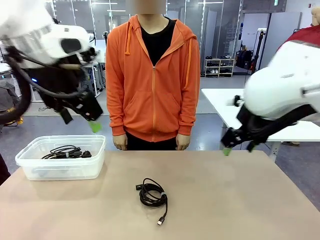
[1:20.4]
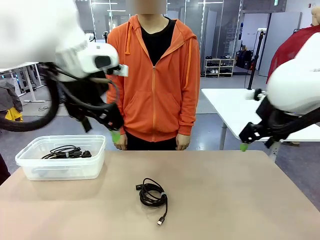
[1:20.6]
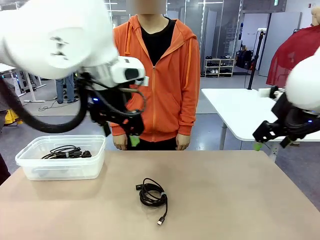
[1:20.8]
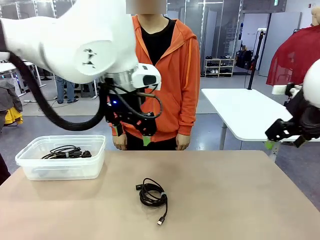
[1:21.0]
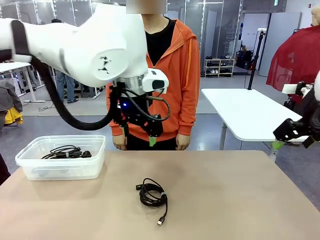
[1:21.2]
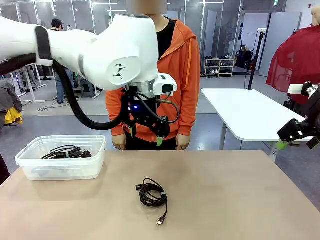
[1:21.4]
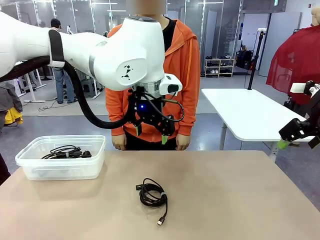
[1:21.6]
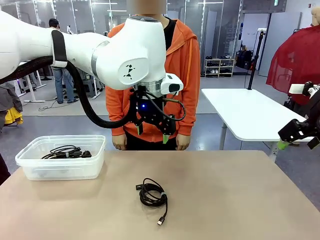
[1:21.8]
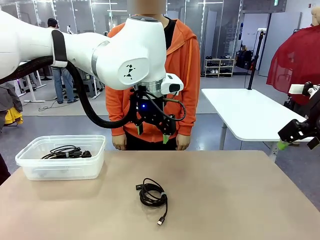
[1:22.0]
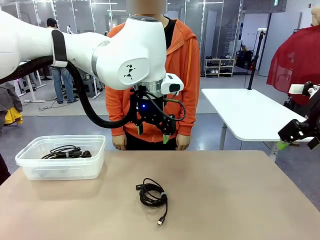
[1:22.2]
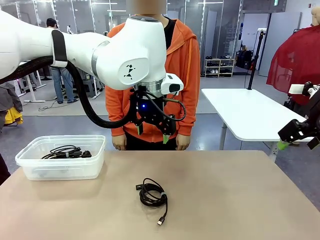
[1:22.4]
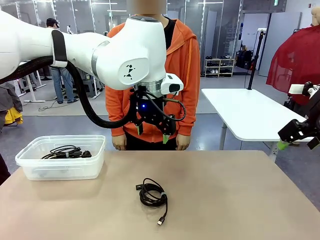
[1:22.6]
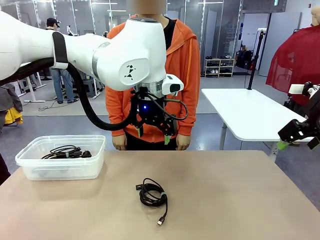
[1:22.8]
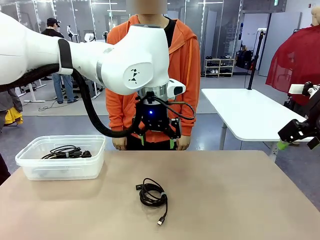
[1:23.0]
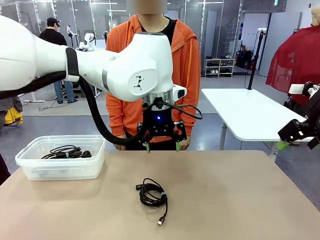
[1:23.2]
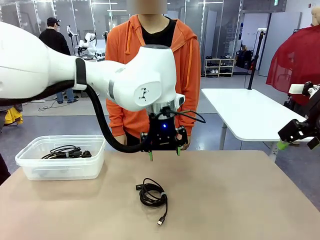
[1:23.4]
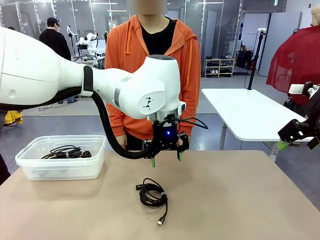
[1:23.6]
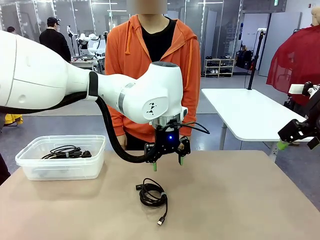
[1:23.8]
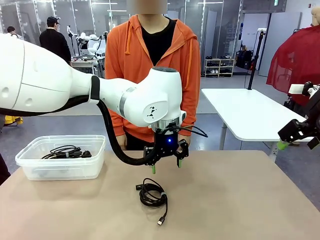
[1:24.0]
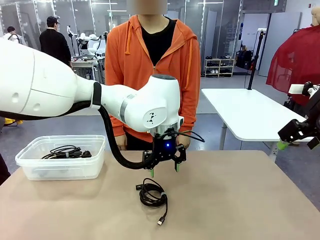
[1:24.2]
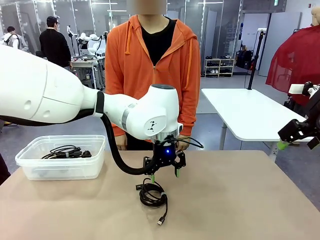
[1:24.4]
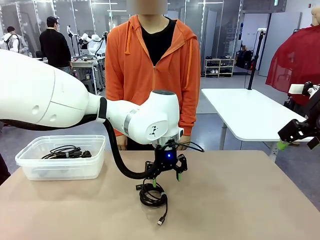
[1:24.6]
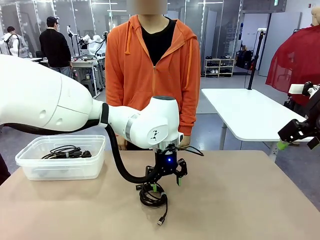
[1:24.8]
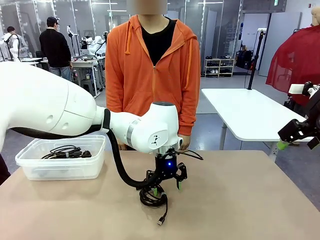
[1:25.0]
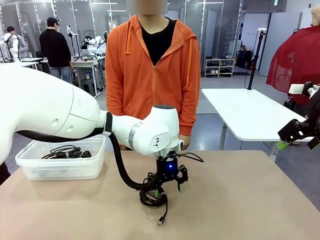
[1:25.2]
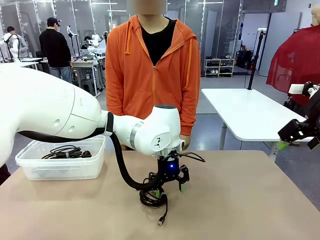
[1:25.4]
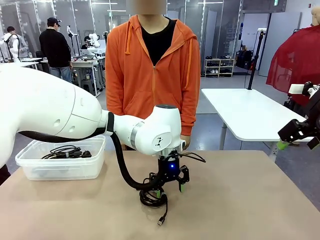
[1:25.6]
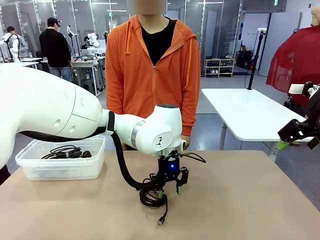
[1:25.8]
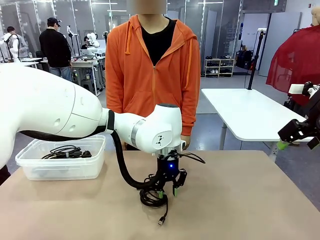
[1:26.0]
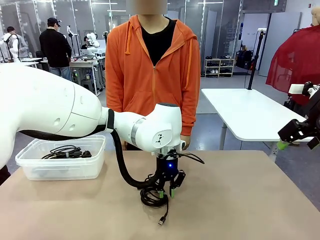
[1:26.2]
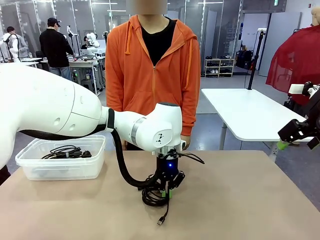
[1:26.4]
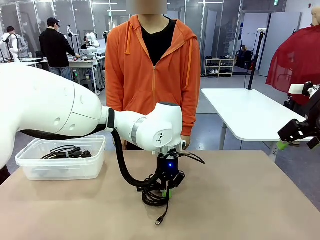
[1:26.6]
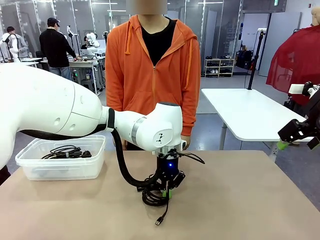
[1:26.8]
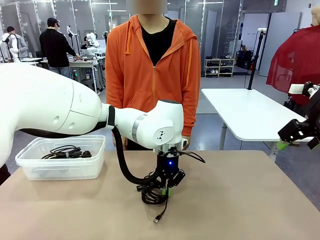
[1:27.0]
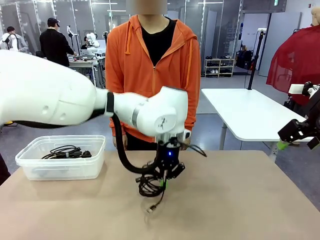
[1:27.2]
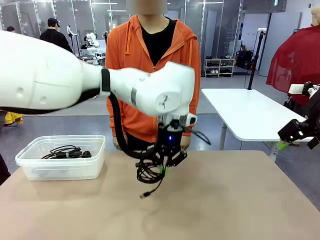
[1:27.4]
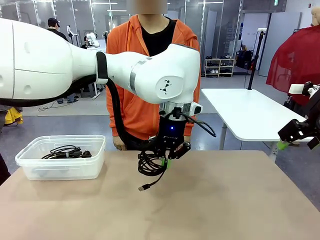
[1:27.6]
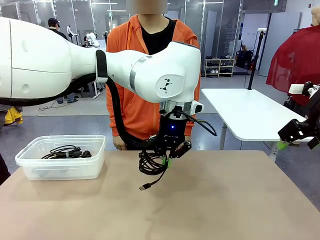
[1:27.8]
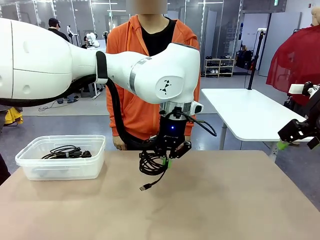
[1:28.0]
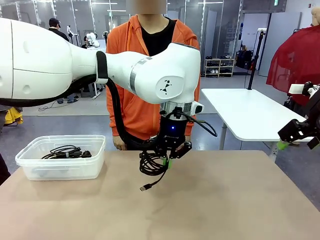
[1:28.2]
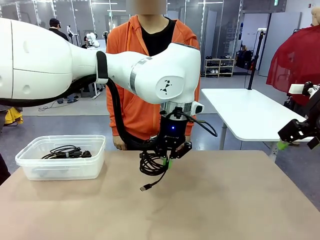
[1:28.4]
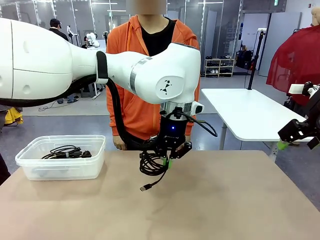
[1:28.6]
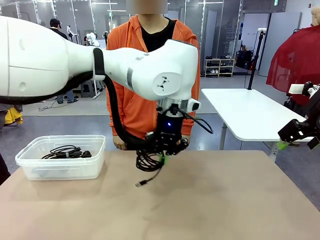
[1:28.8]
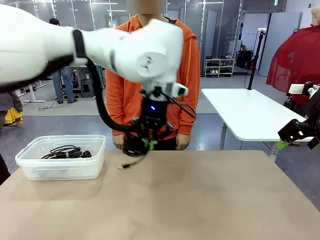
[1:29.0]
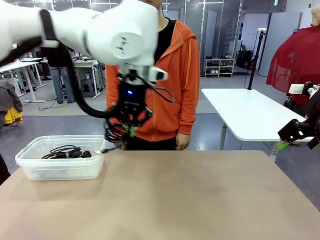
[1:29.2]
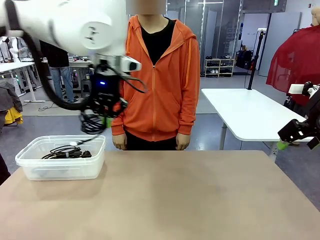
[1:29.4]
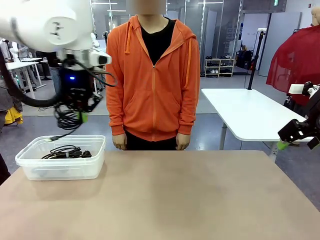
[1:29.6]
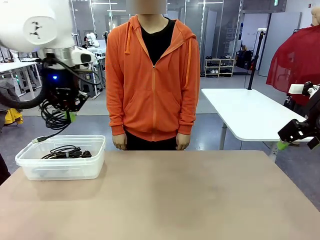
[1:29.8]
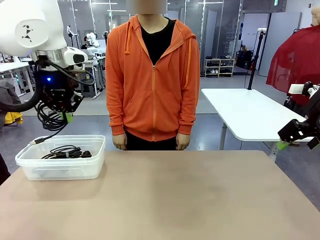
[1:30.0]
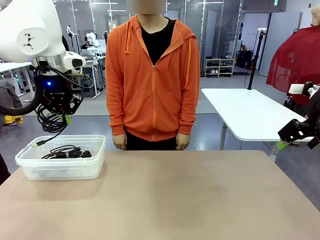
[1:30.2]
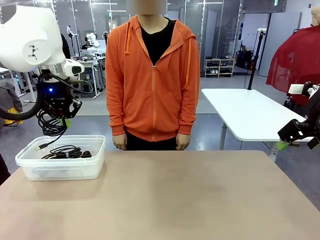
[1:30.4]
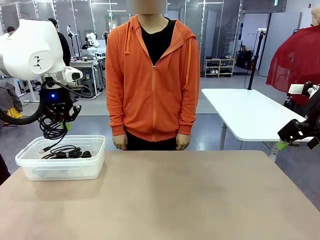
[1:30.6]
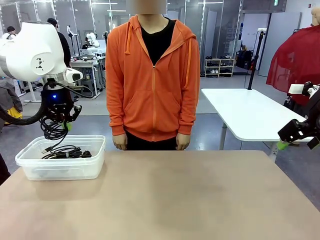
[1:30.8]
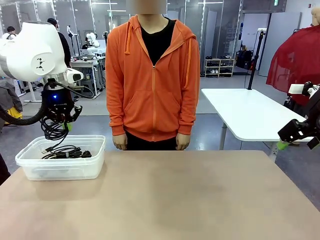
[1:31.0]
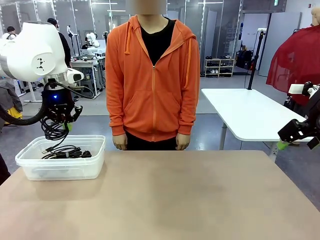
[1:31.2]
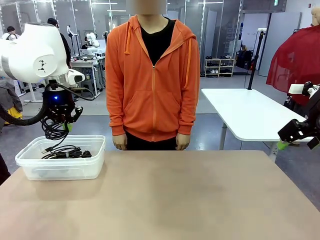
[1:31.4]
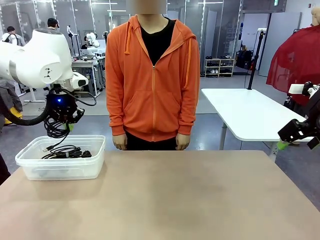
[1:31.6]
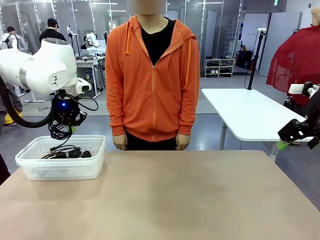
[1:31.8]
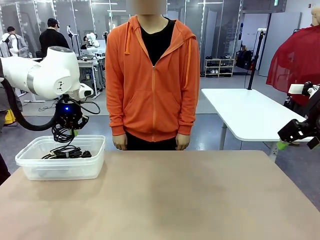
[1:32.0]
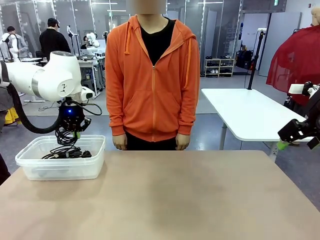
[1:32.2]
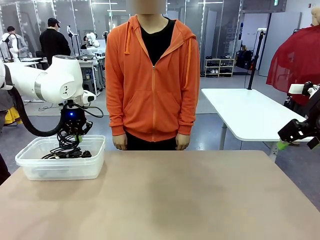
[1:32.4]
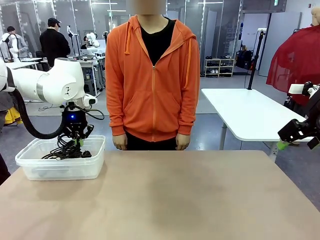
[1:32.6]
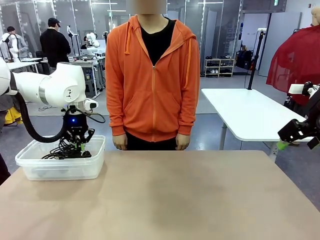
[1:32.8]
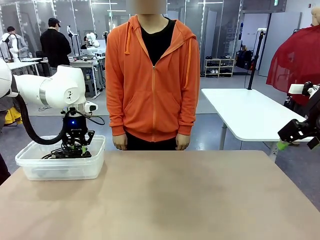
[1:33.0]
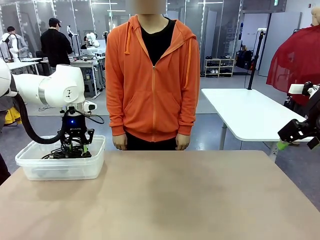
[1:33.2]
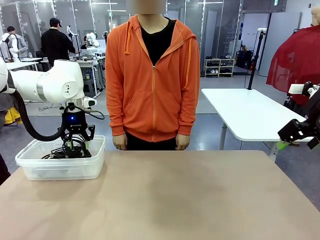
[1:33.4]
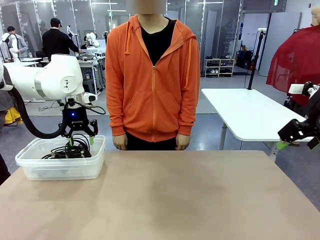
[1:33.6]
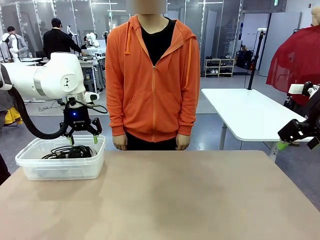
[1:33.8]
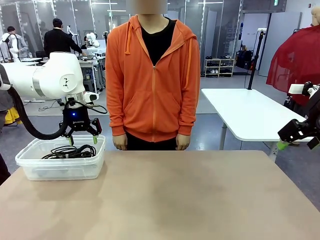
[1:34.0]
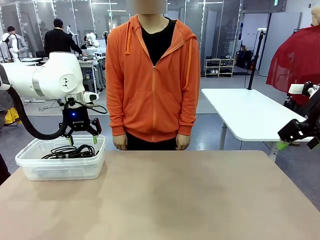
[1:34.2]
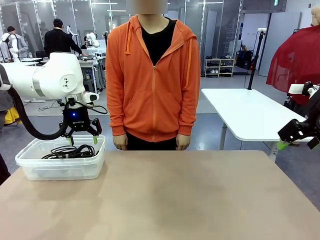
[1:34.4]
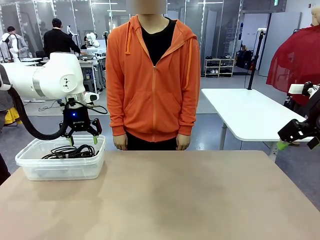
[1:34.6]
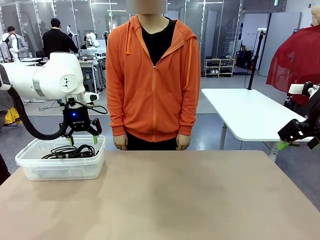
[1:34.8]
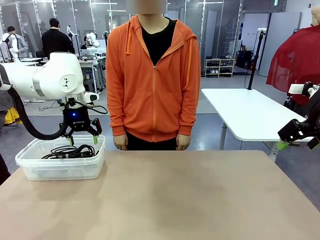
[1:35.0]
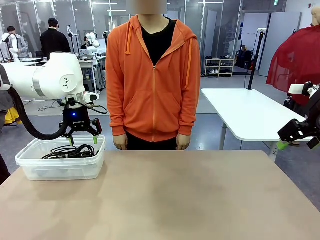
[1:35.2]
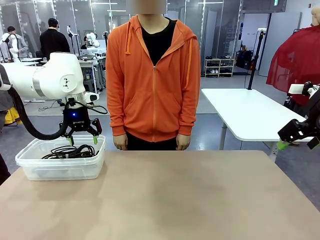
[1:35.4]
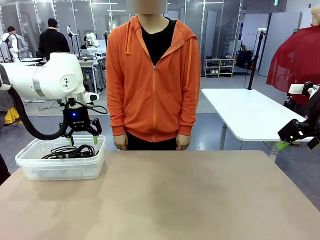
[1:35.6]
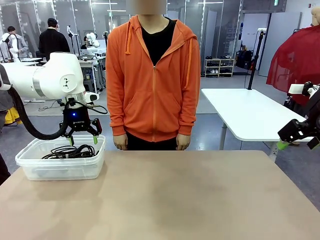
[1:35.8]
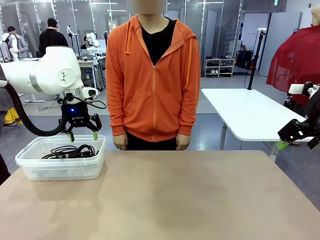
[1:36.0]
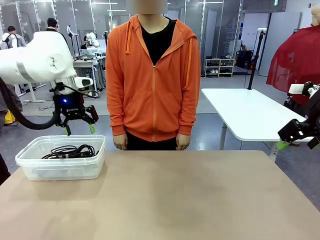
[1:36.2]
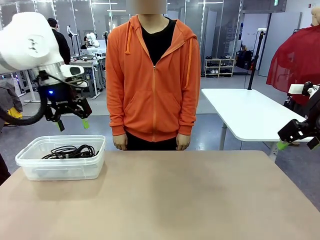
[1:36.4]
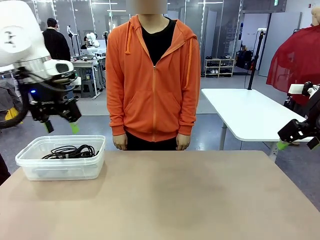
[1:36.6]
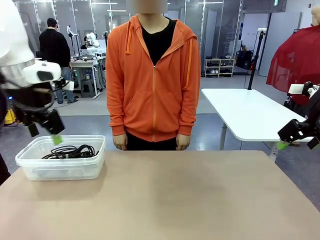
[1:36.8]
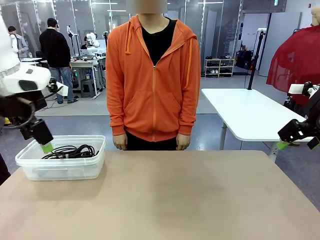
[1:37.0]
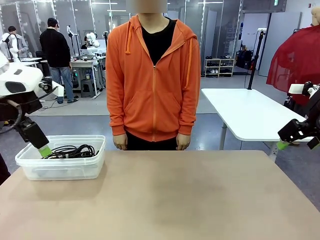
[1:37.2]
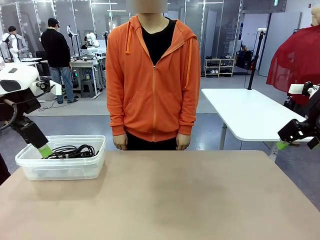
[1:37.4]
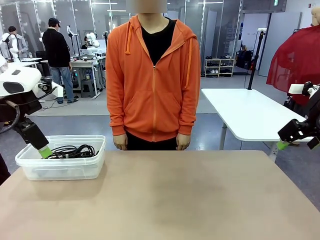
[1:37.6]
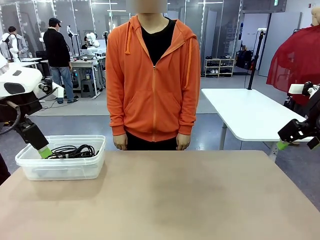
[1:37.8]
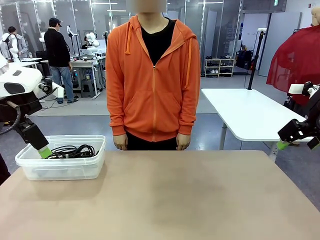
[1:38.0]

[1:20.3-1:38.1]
Task: Organize and store the cables.
Robot: Place the USB Extension Cable into the Organizing box.
